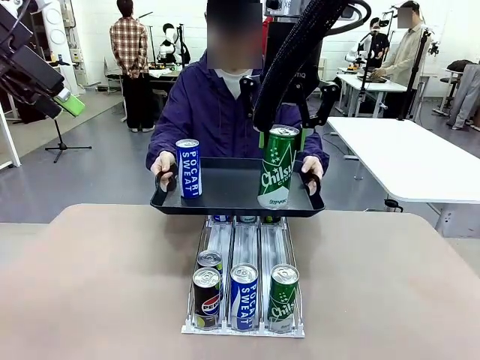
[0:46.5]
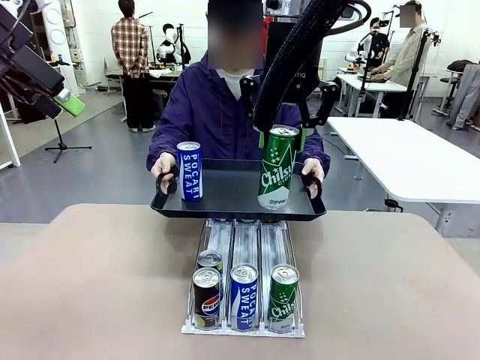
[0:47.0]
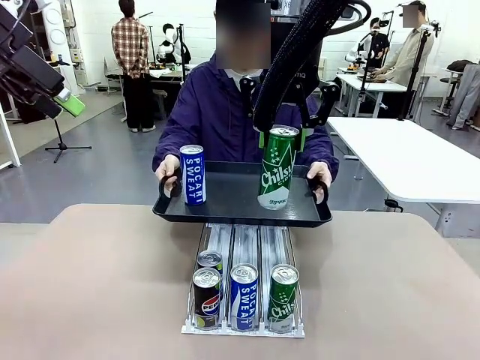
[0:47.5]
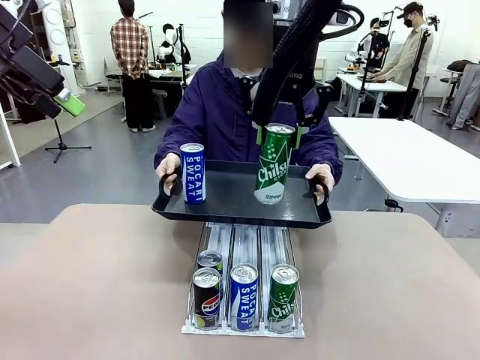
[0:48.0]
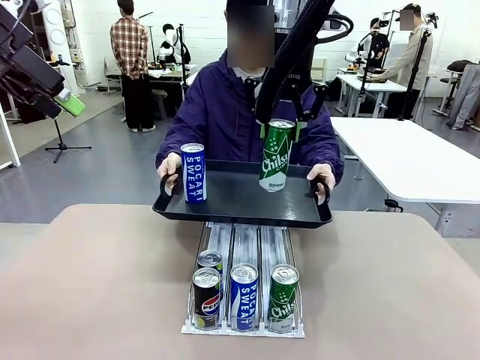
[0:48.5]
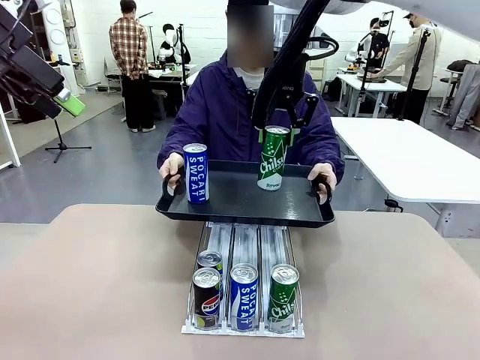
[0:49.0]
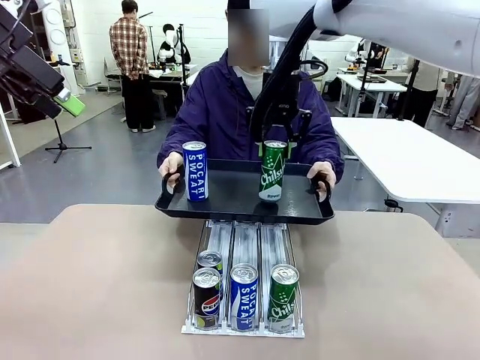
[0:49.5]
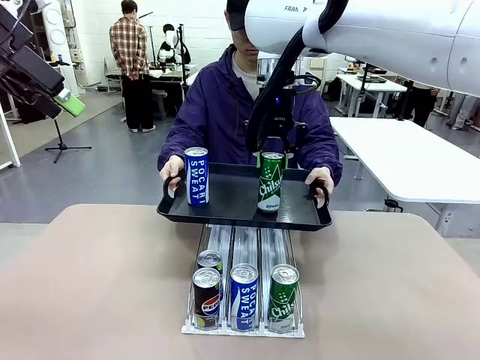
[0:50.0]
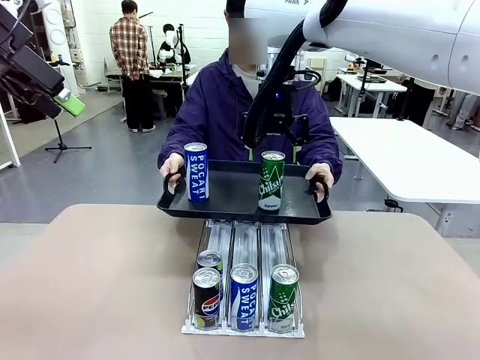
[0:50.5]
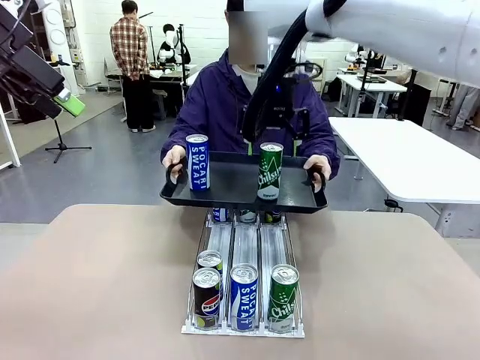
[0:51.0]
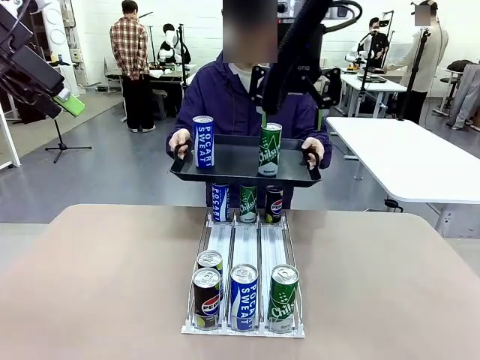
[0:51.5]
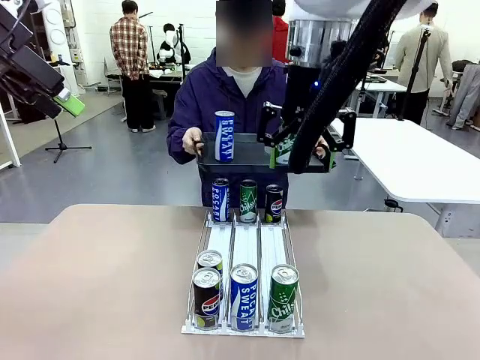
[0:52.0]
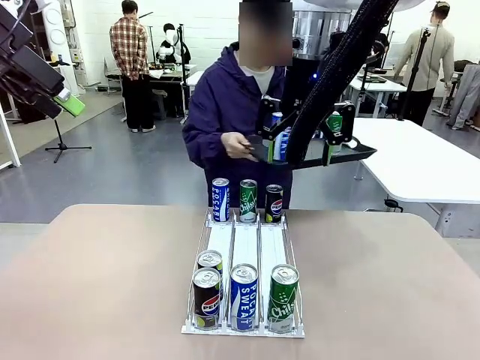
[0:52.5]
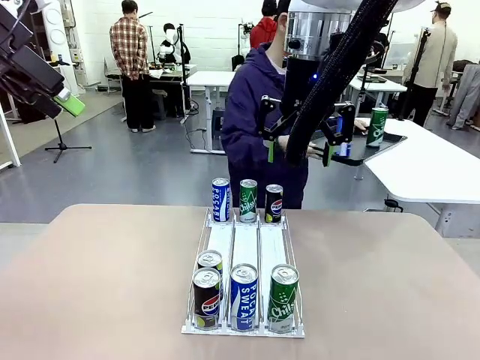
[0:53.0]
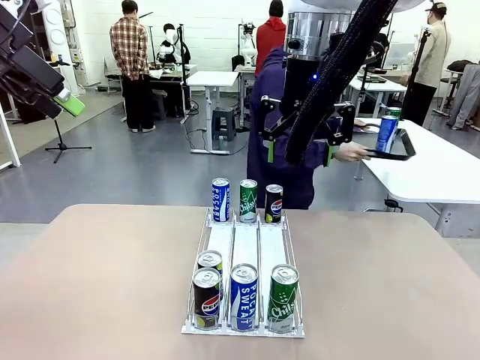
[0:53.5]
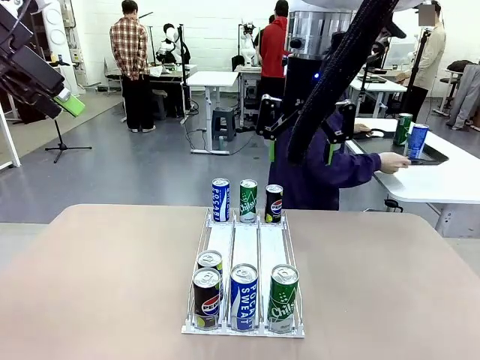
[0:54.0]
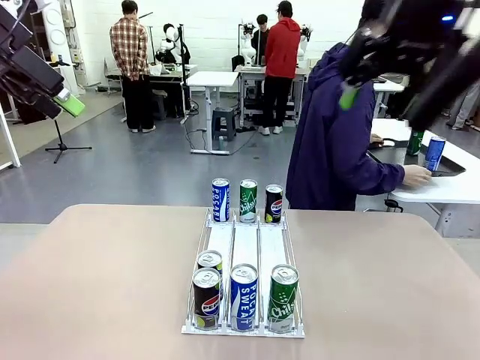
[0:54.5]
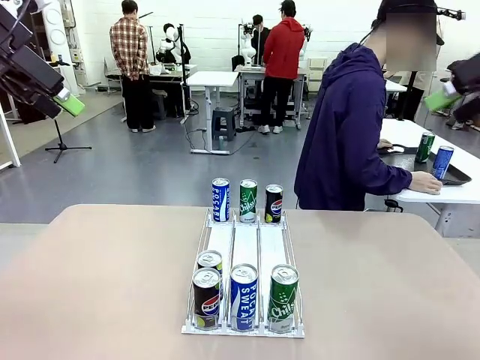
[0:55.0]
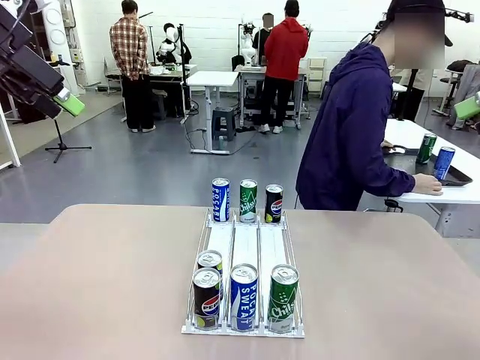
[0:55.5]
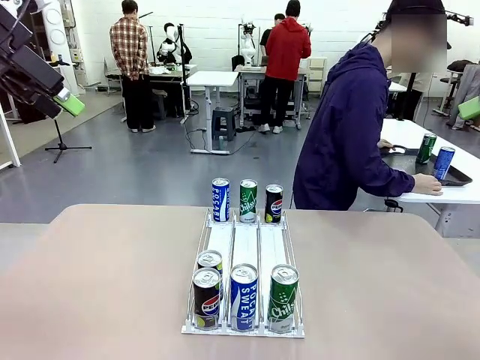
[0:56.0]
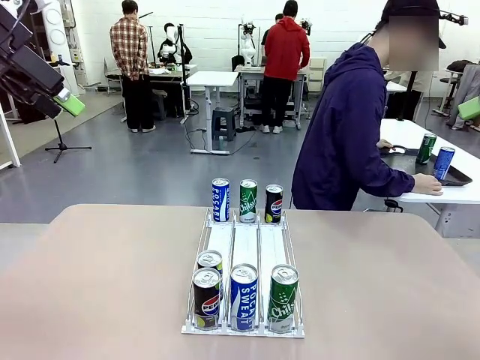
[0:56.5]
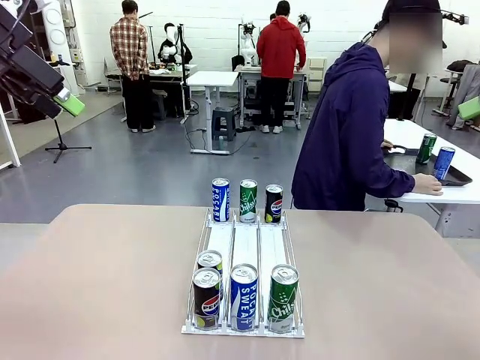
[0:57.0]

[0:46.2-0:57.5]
Task: Retrieve and hand over the desired beverage to the person.
Robot: Place the picked can on the Handle tray extended by the person.
Person: Pull the tray back and place it at the center of the human table.

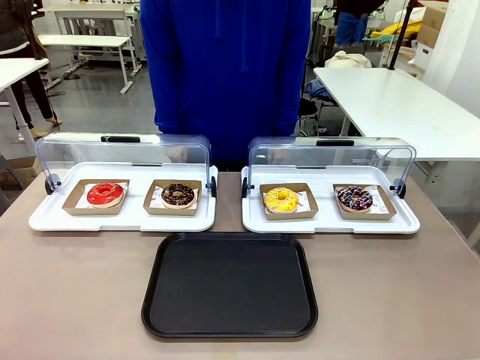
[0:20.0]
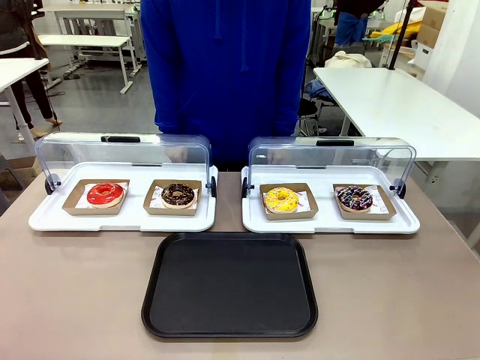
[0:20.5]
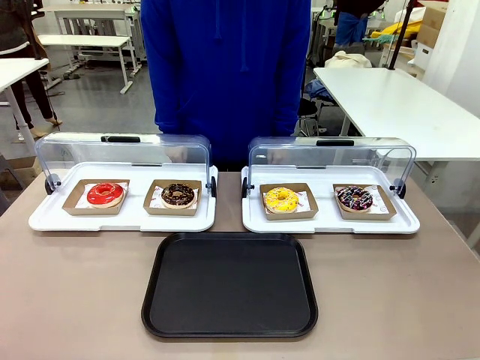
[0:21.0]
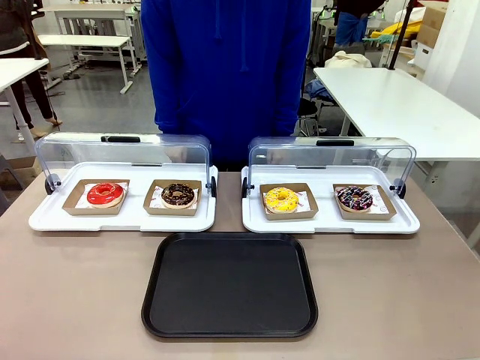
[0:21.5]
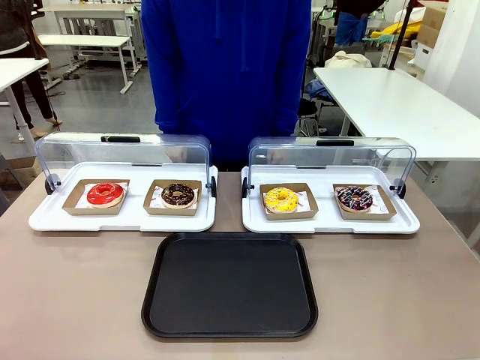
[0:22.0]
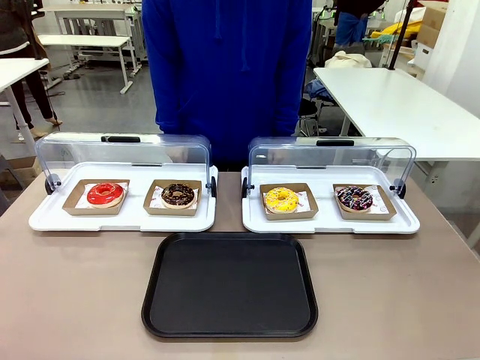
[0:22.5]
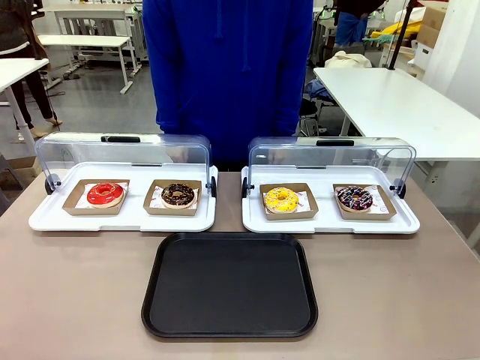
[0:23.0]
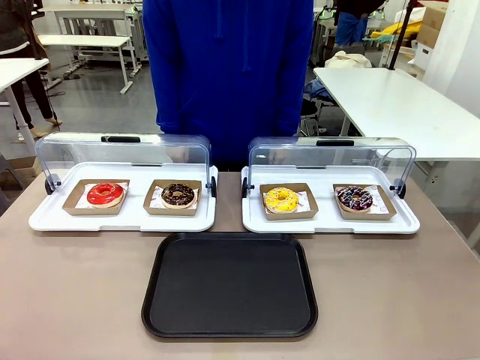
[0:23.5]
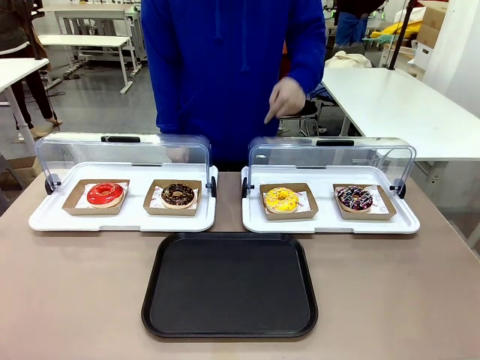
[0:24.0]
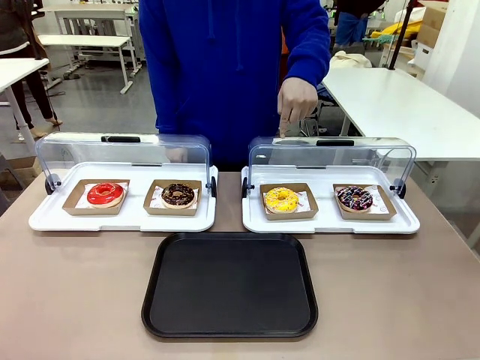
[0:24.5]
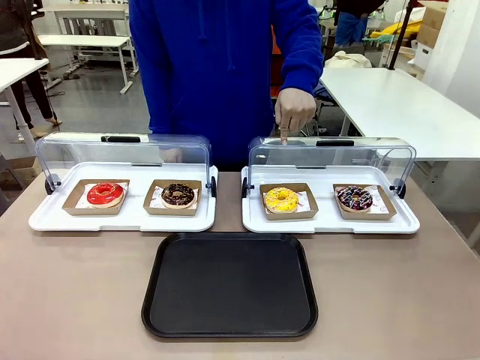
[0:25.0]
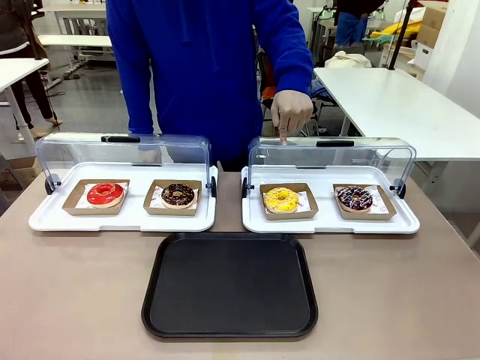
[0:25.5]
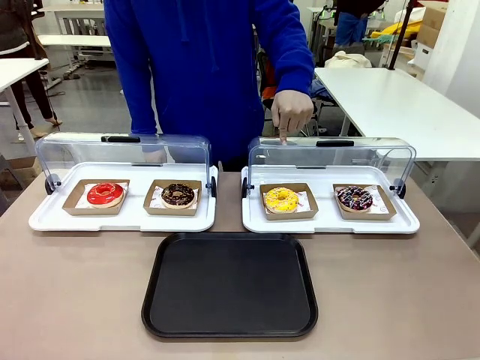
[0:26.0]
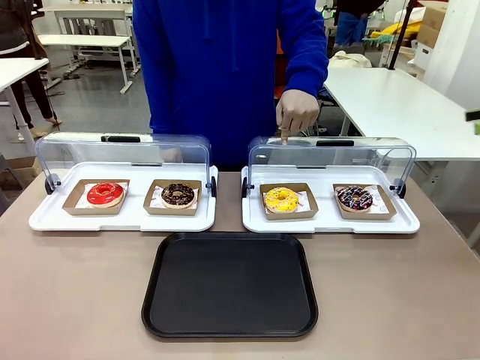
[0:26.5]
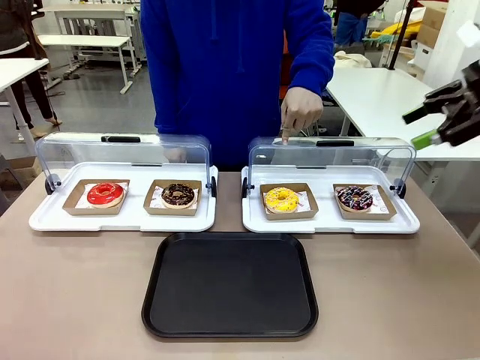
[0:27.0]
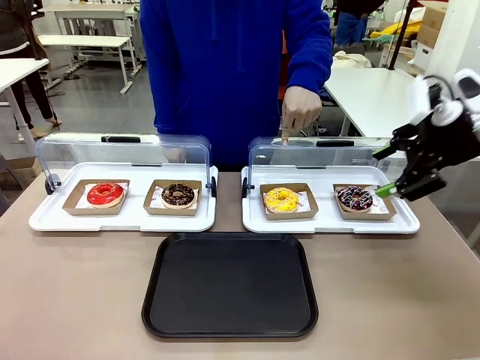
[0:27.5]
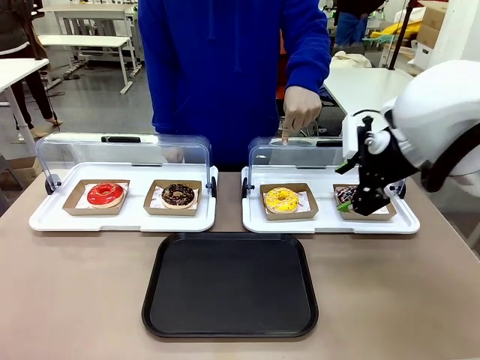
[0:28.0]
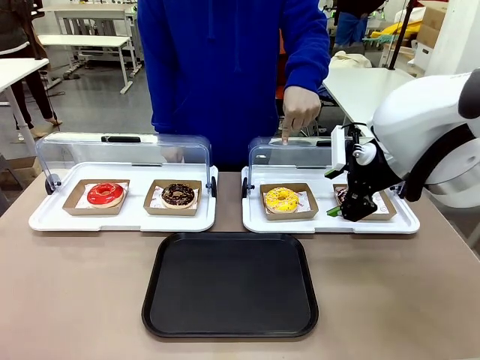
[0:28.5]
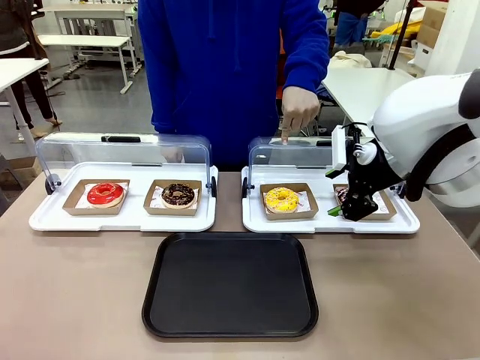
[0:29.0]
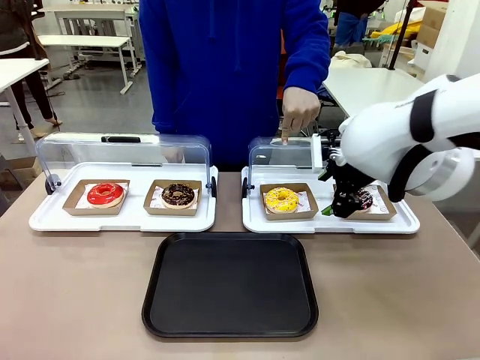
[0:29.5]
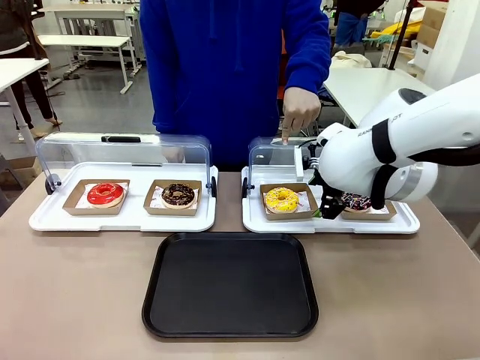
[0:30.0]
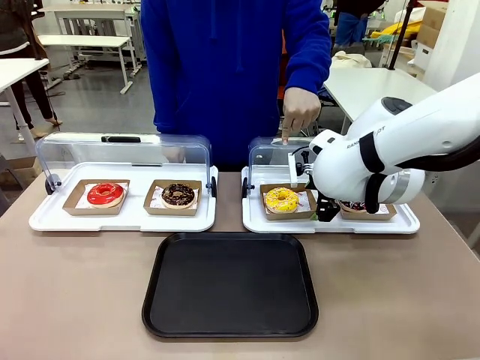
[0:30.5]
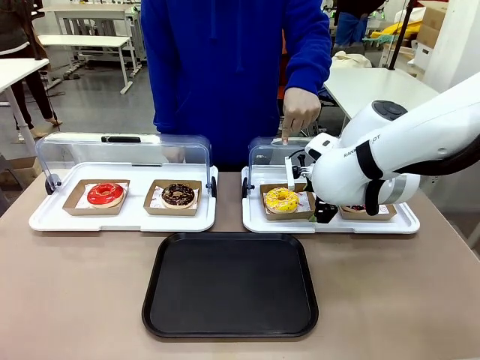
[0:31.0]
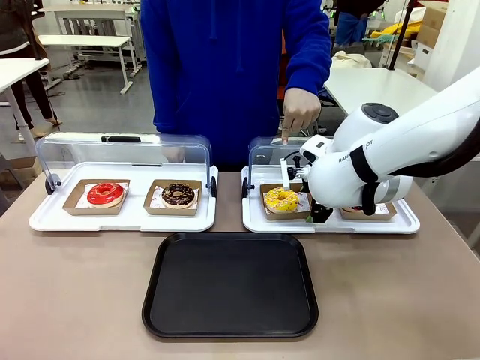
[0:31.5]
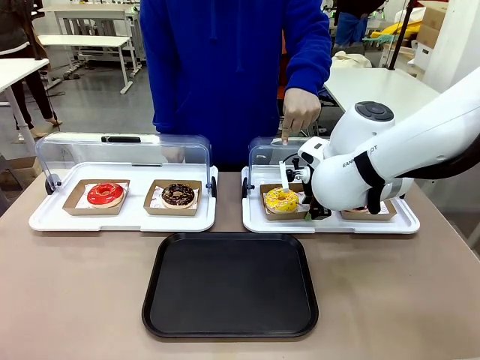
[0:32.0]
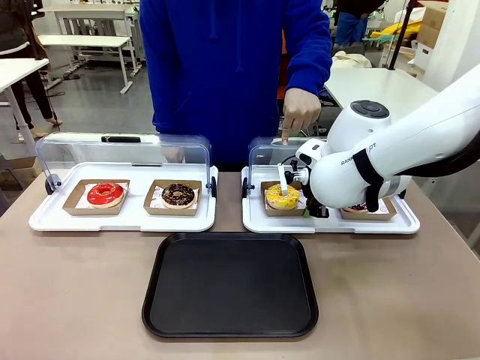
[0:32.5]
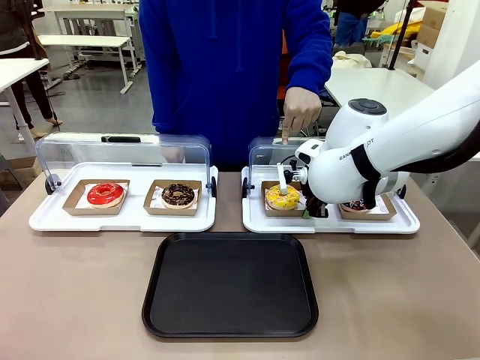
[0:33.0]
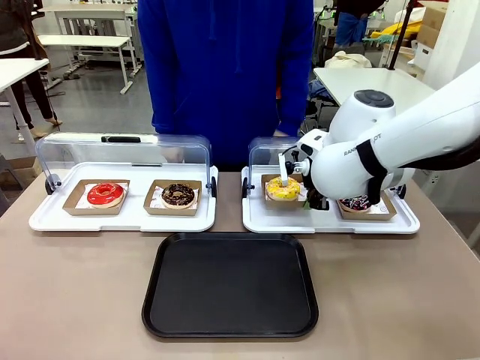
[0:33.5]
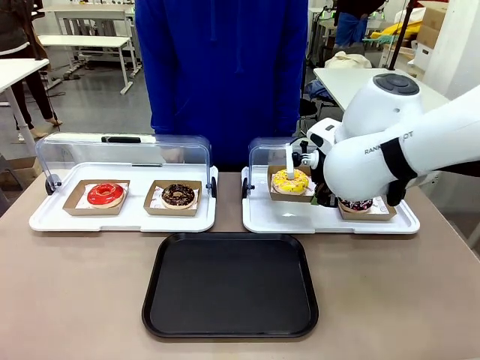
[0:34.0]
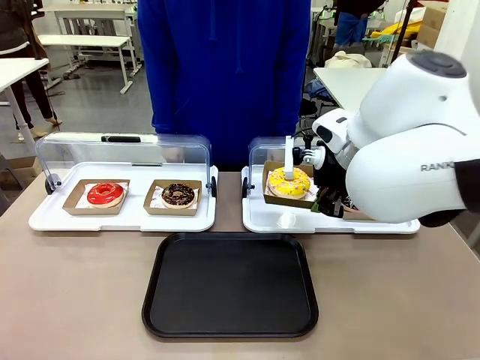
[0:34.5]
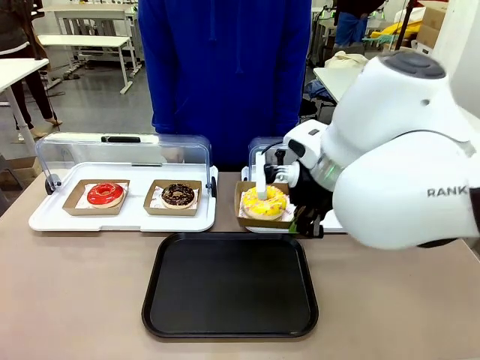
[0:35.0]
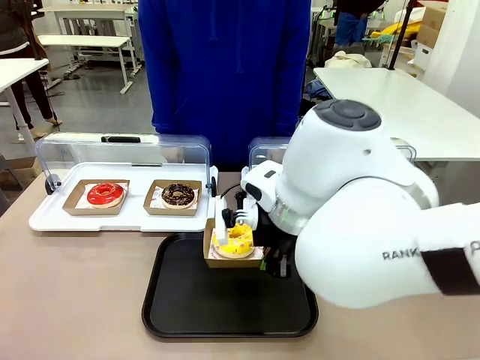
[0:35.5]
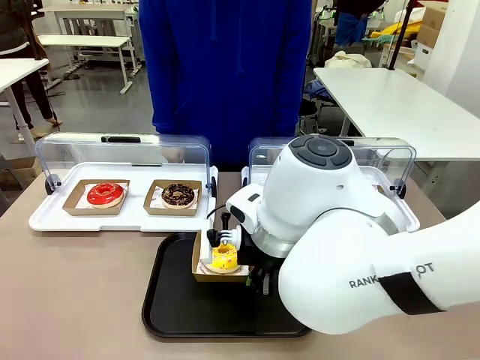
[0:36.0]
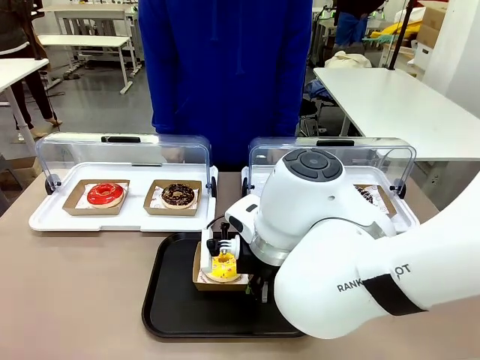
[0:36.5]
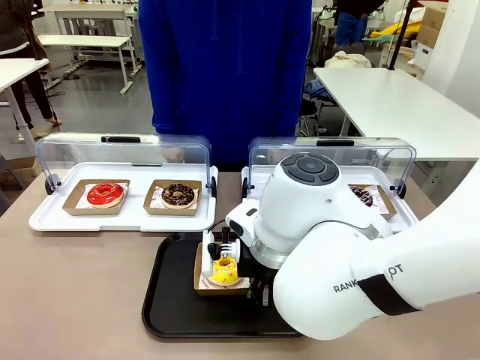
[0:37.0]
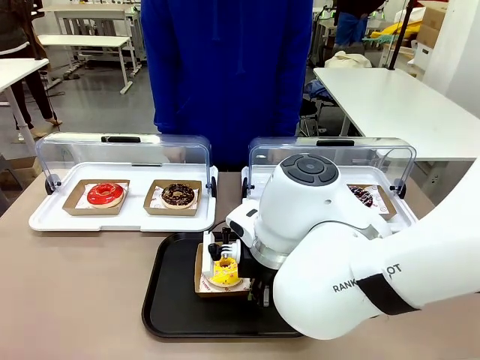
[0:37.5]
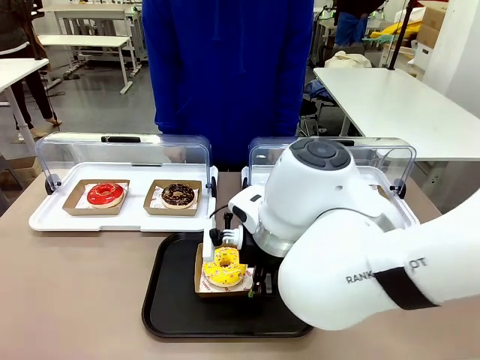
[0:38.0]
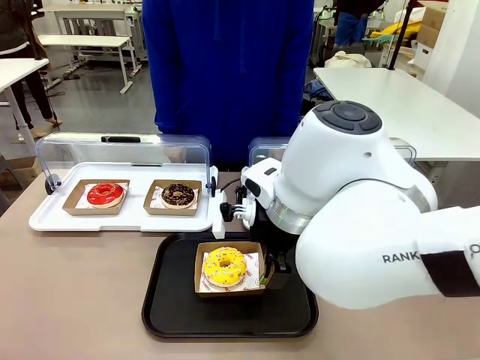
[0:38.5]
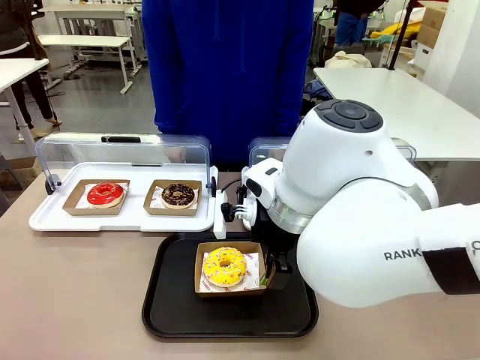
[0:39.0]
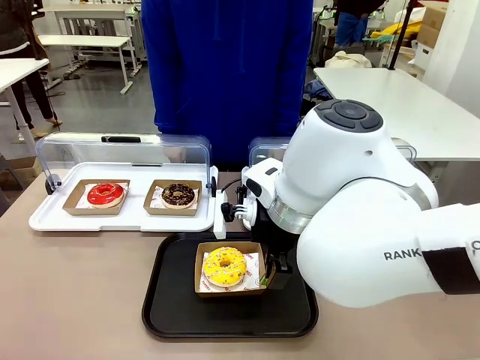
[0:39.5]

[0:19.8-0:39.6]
Task: Move the third donut from the left to the tray.
Robot: Pick up the Paper togo box containing the Donut indicated by the person and place it on the Handle tray.
